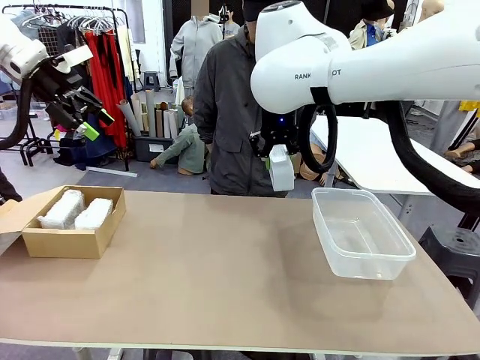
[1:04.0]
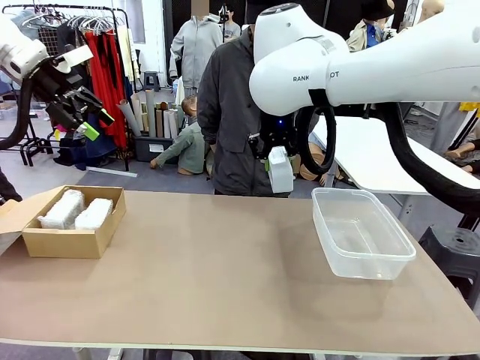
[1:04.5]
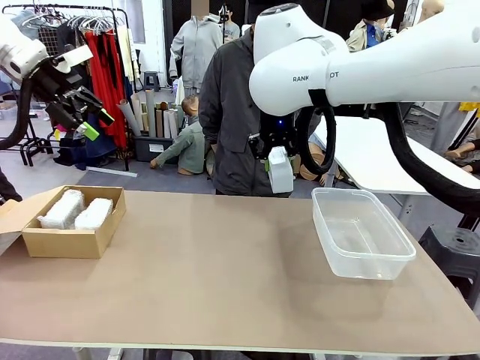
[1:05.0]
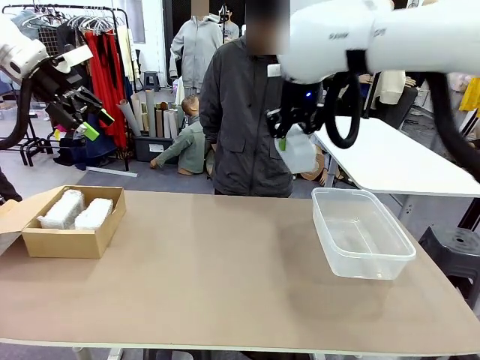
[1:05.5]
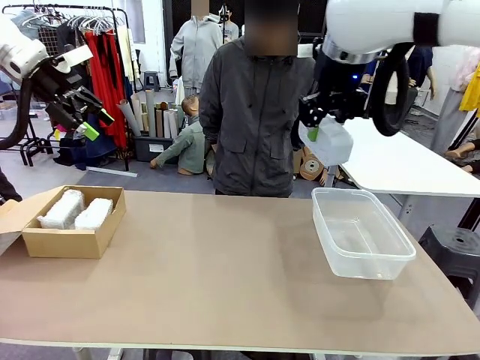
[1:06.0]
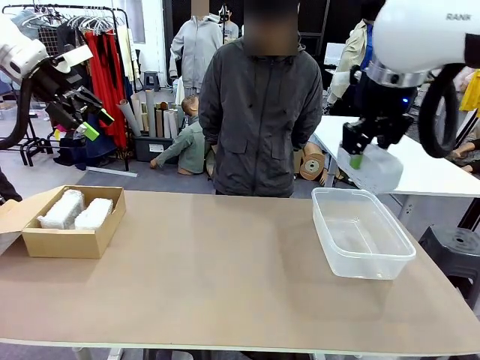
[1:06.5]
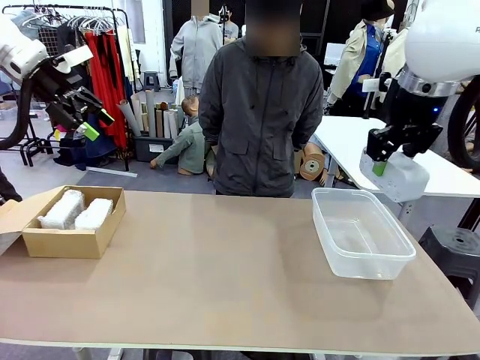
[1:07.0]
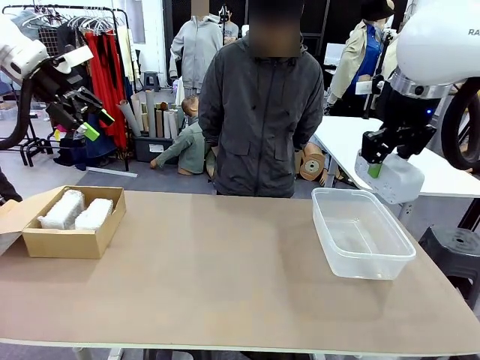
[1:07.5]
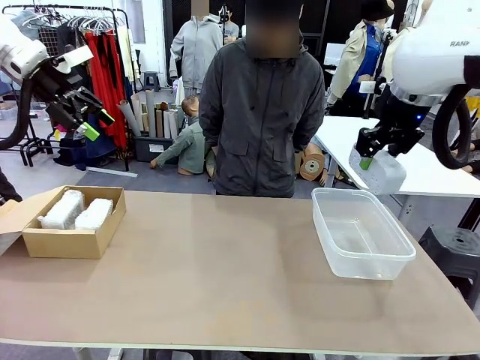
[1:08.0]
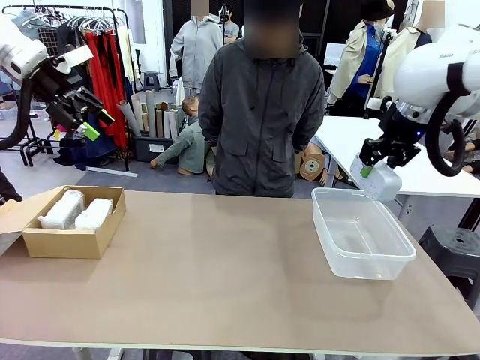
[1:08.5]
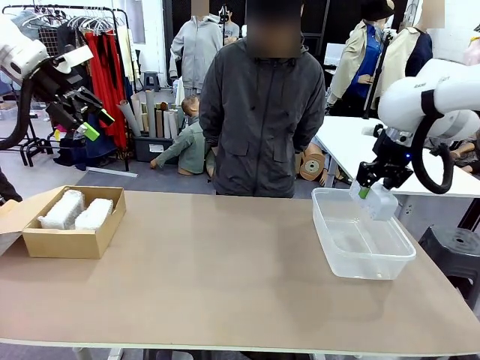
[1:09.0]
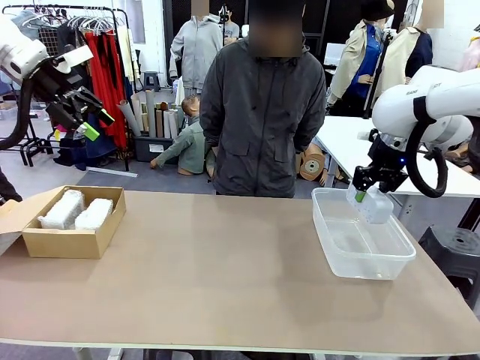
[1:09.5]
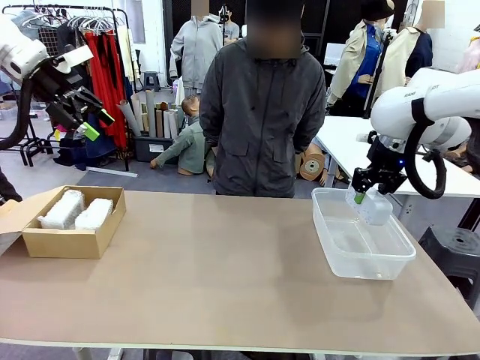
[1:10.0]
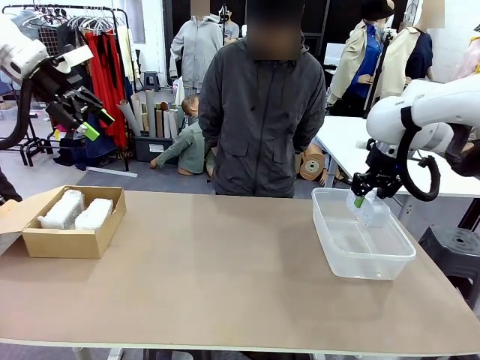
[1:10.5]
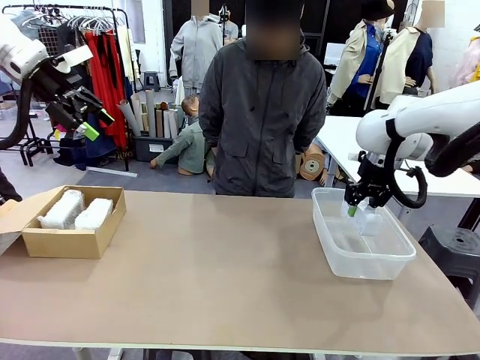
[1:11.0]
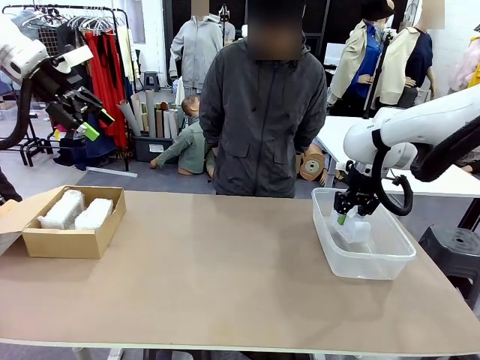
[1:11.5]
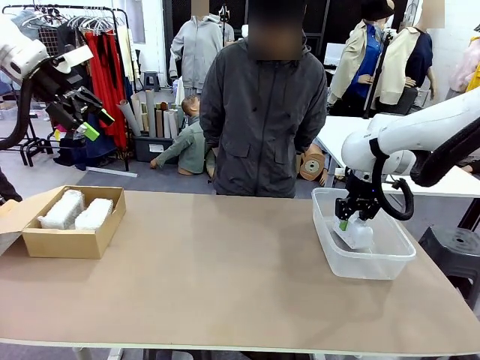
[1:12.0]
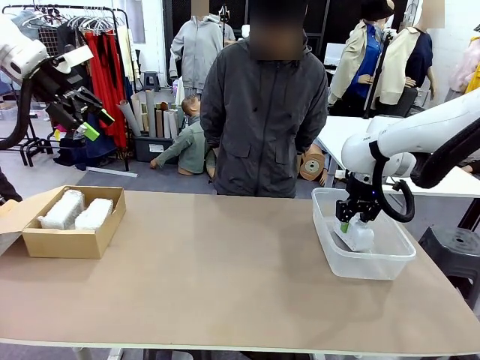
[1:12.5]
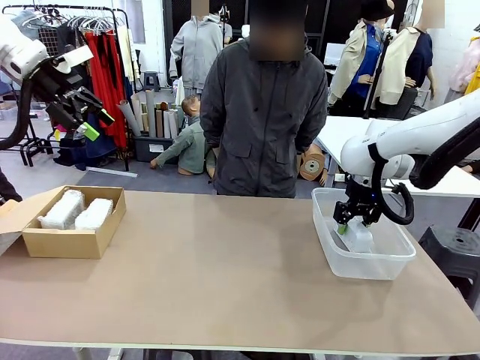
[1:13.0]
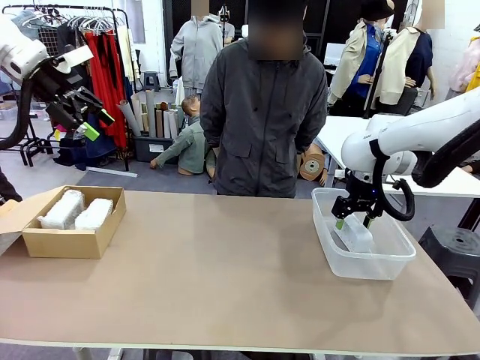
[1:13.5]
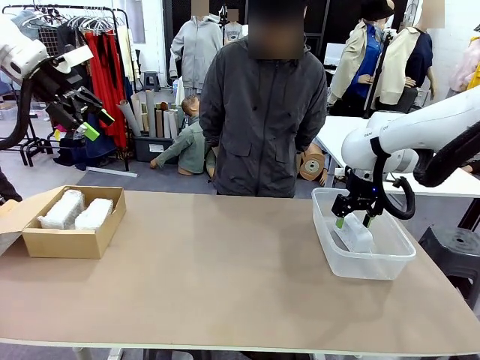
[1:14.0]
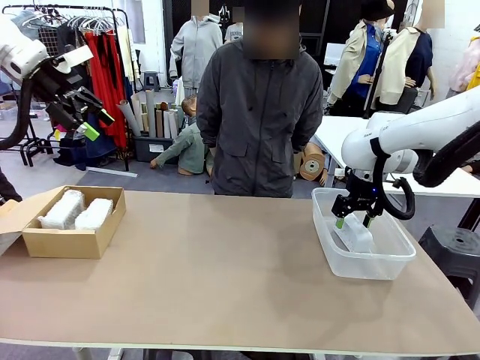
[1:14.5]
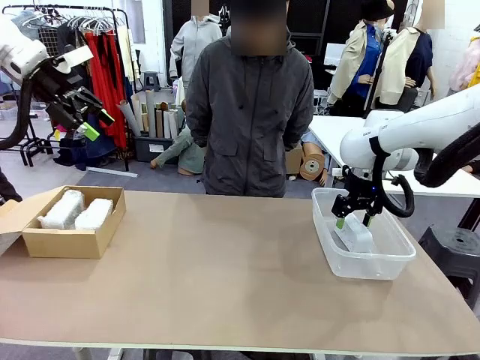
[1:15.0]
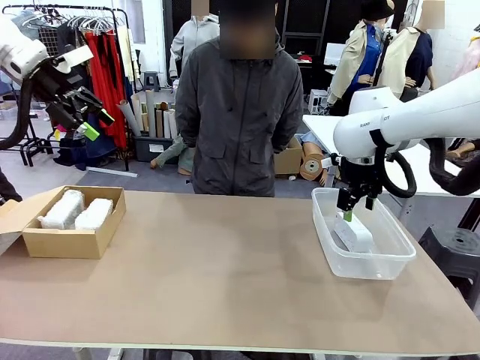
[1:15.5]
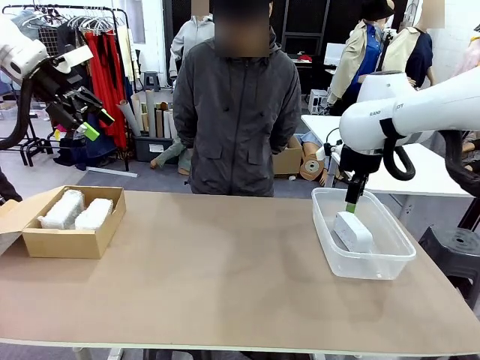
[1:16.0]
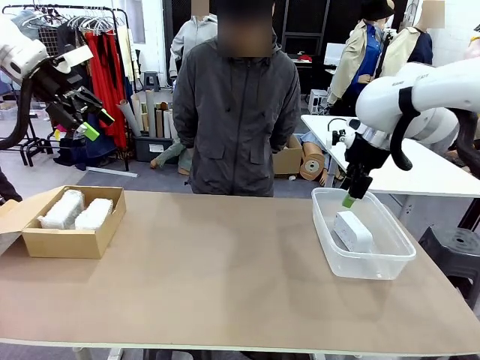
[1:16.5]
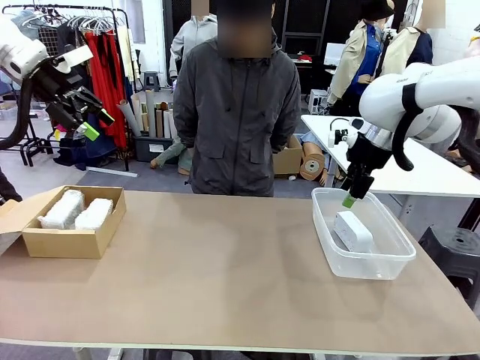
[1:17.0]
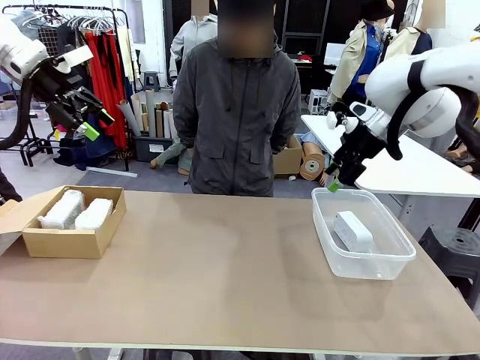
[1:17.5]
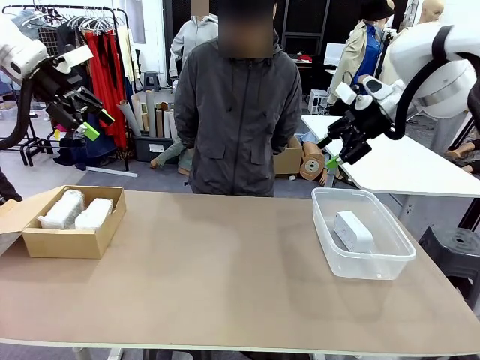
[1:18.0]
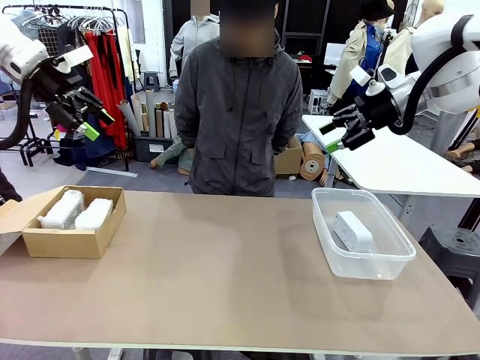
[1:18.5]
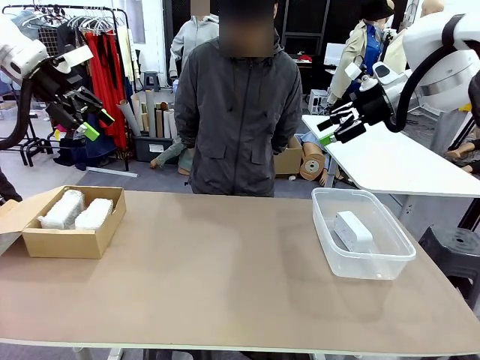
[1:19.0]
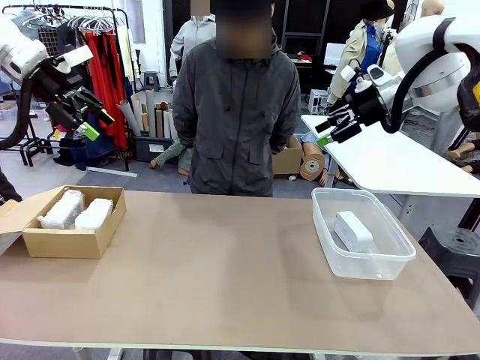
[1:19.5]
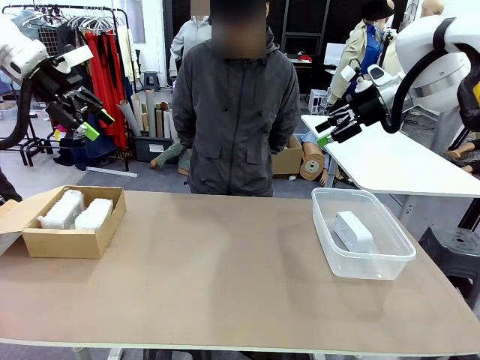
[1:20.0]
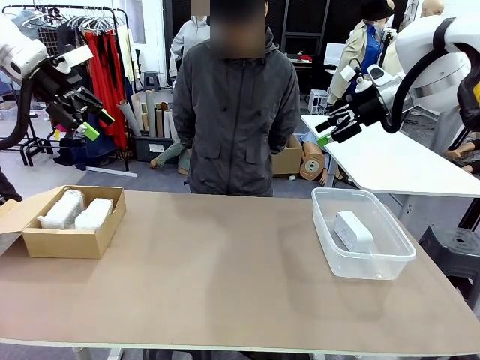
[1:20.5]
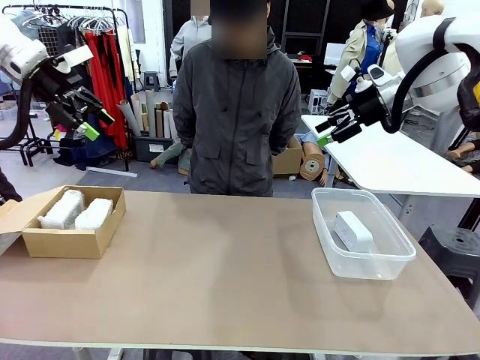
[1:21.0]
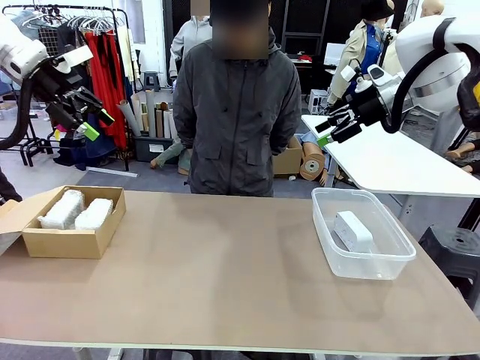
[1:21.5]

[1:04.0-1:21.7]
Task: Separate and place wrapped and unwrapped clocks.
Robot: If the picked Digital clock is wrapped, place it in the Package Box ; if not, place it in the Organizing box.
